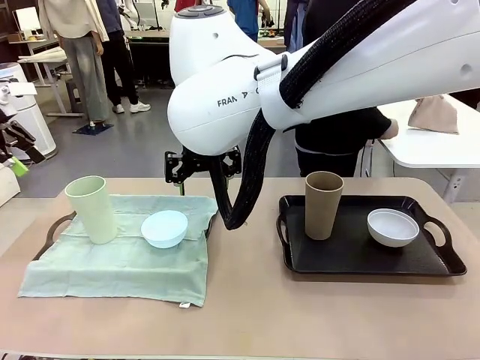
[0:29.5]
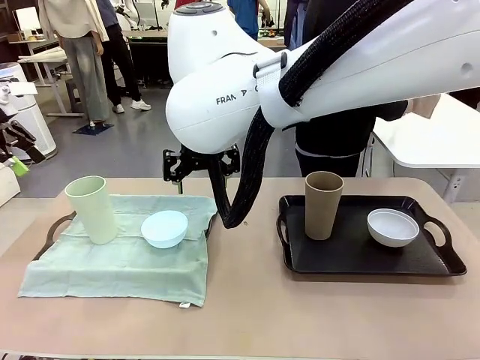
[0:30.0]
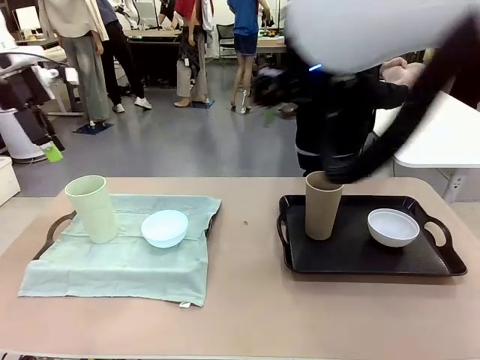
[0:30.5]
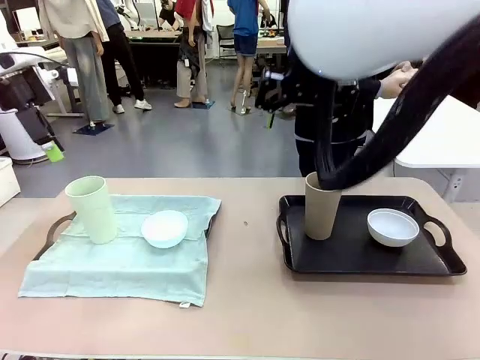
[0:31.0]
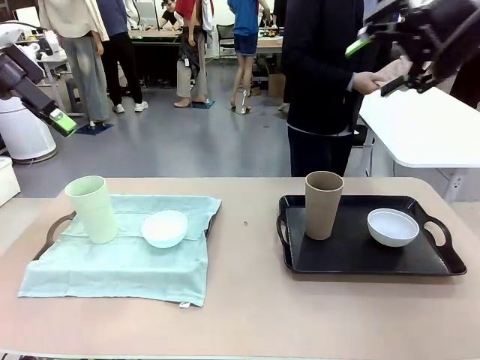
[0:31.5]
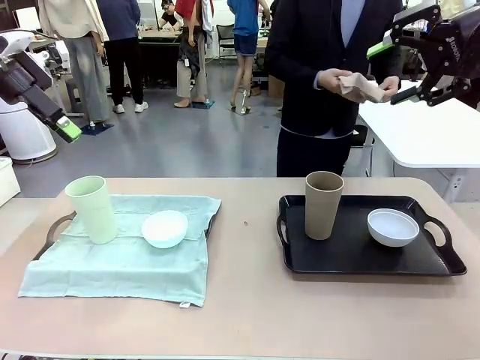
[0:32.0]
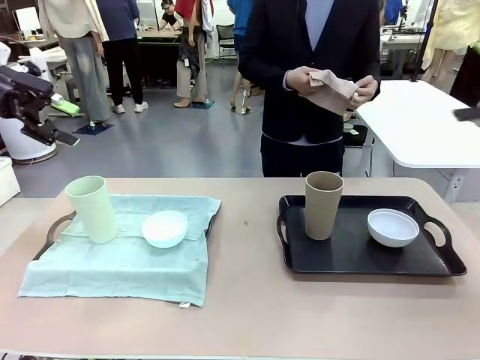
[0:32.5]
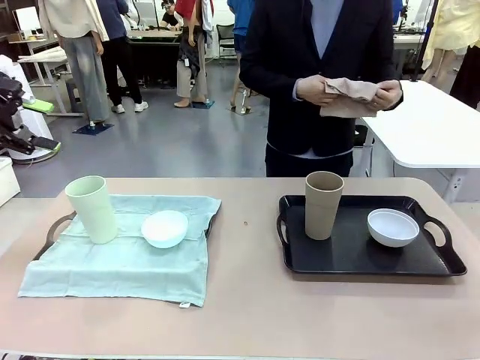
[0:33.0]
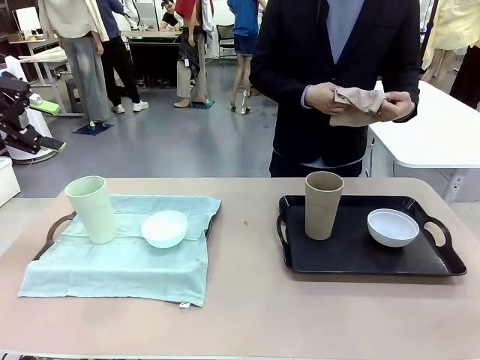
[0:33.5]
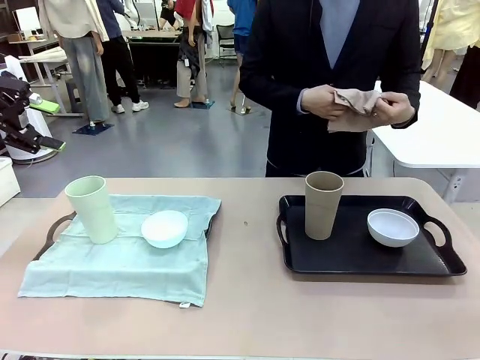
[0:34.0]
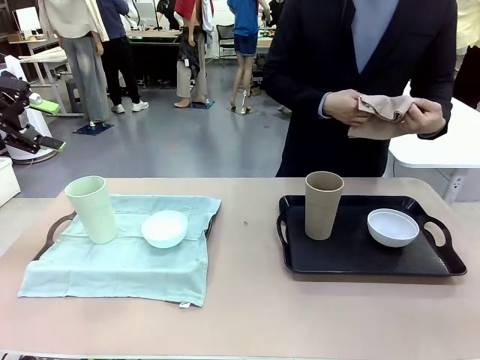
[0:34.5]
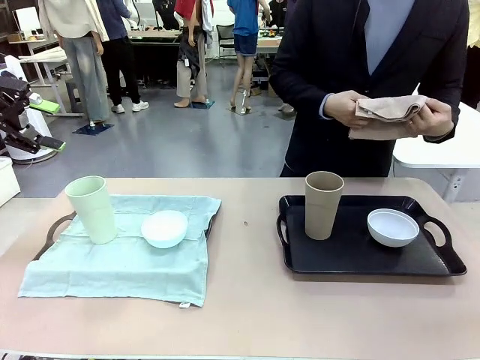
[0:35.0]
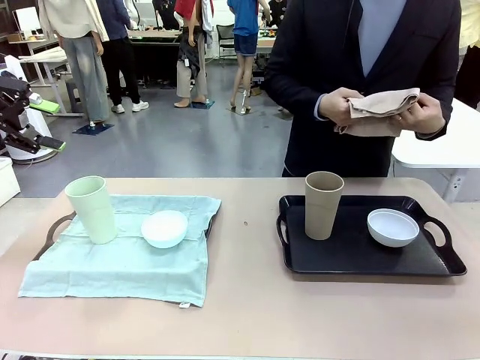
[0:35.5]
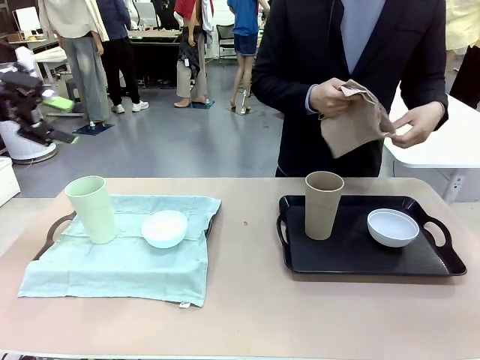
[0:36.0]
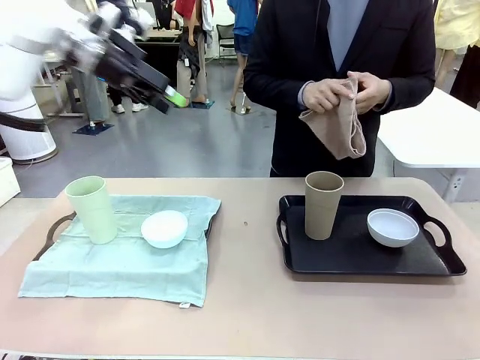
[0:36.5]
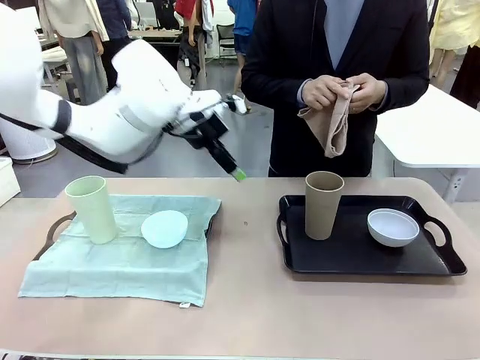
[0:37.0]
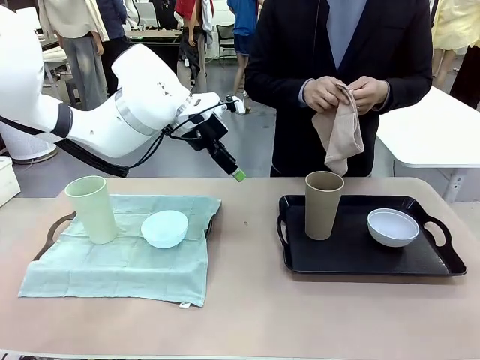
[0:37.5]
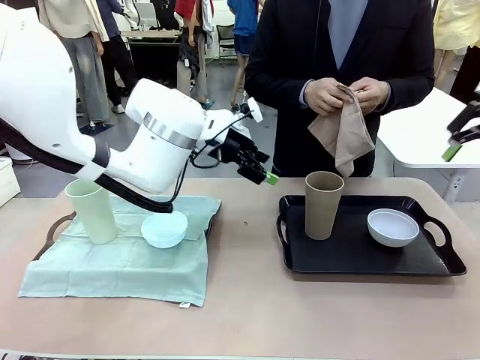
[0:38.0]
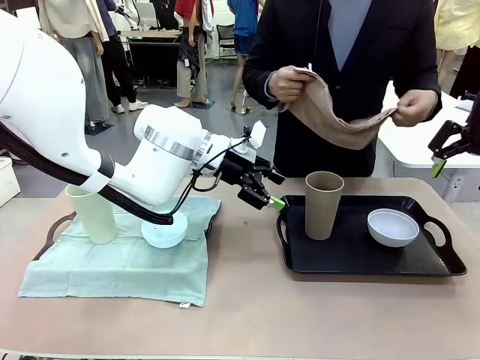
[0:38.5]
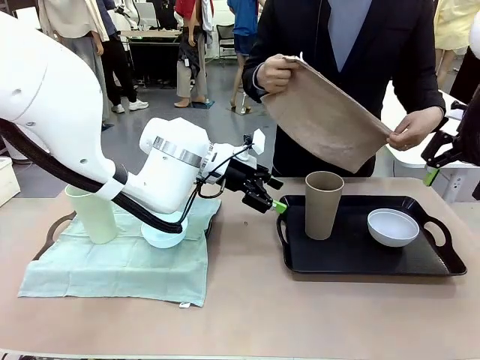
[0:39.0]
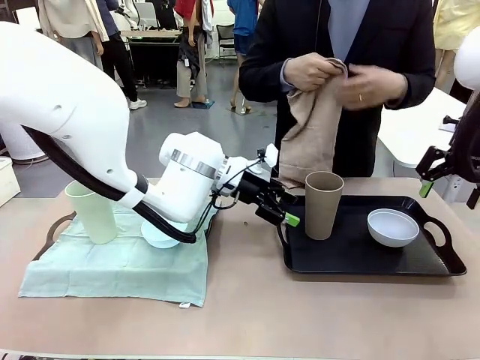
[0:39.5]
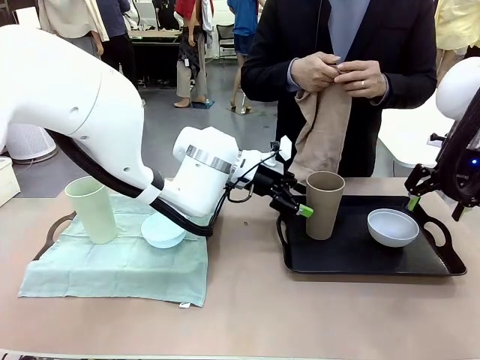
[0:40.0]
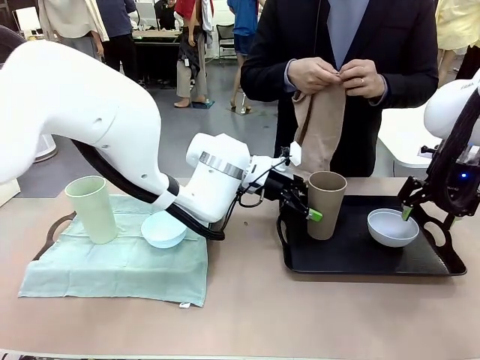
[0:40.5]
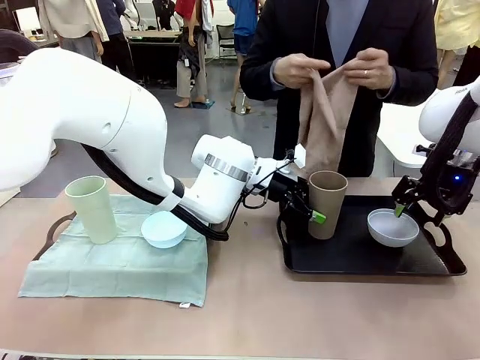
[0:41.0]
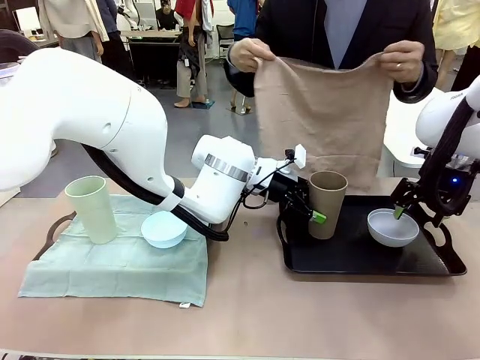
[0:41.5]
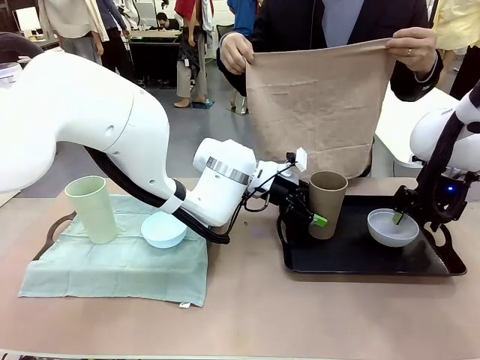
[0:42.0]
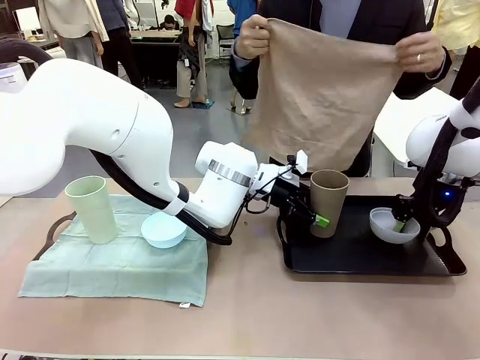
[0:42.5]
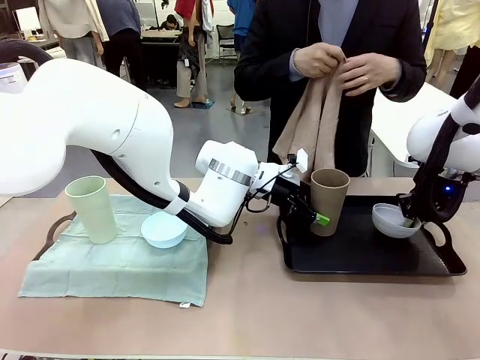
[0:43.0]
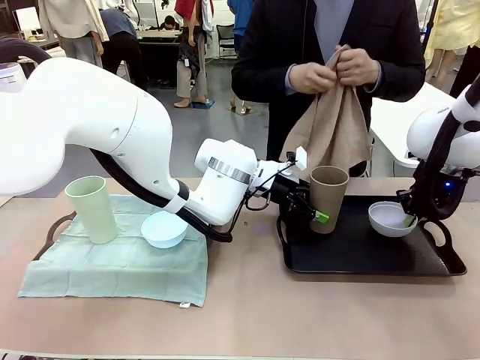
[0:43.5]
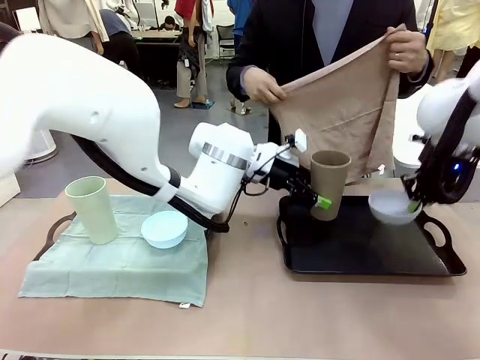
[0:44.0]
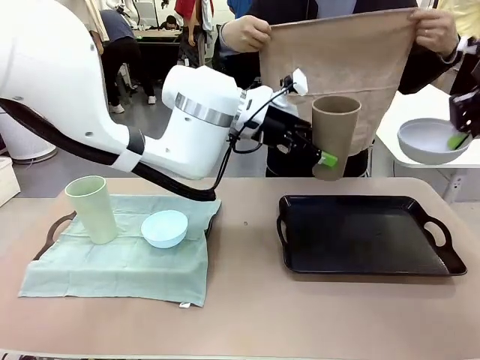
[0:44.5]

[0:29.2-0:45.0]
Robot: Pick up the Picnic Bowl and Reusable plastic cup from the Handle tray in front of the human's position and hold them in the air.
Person: When the robot lifts the bowl and the cup, the human unfolds the napkin and lays the napkin flat on the tray.

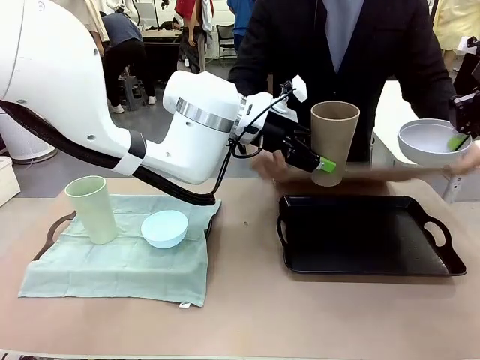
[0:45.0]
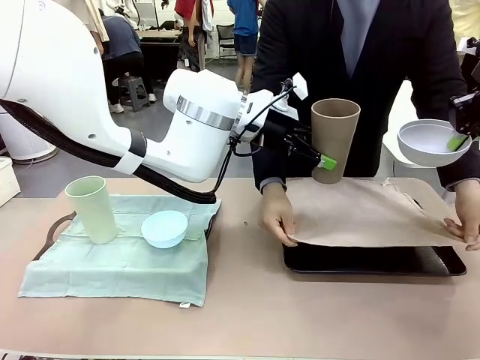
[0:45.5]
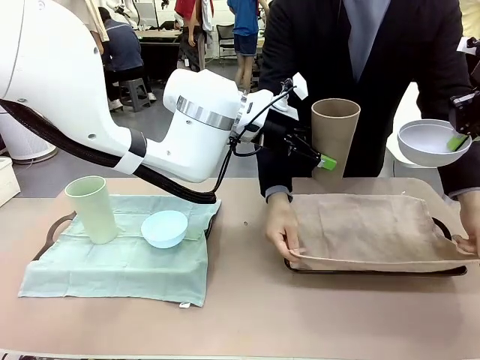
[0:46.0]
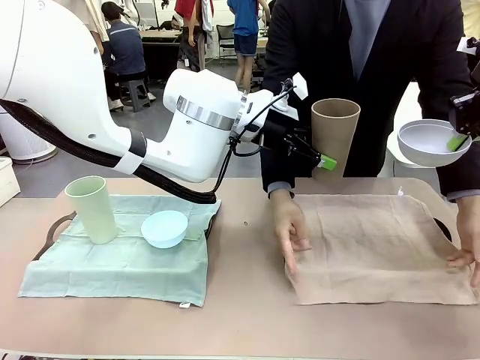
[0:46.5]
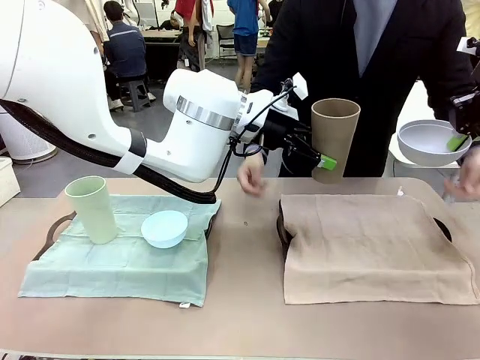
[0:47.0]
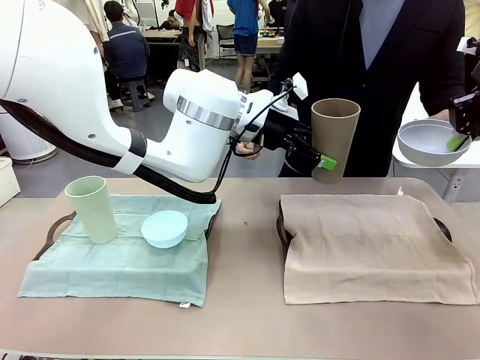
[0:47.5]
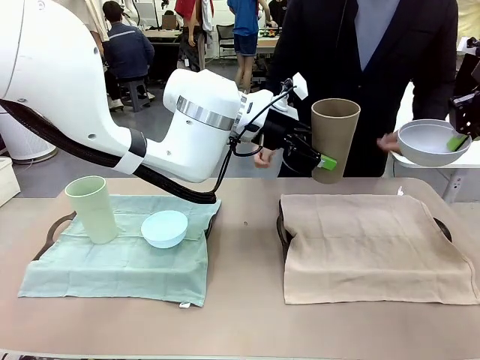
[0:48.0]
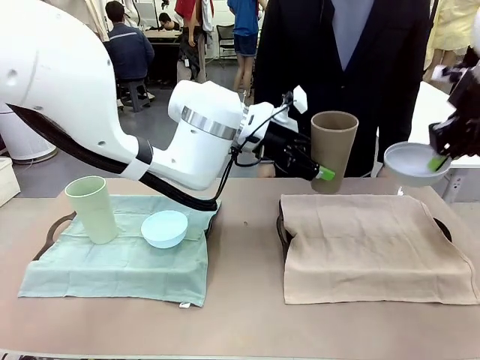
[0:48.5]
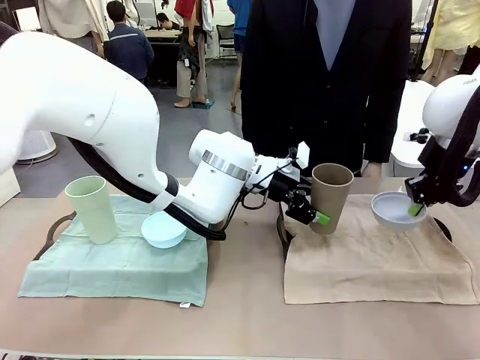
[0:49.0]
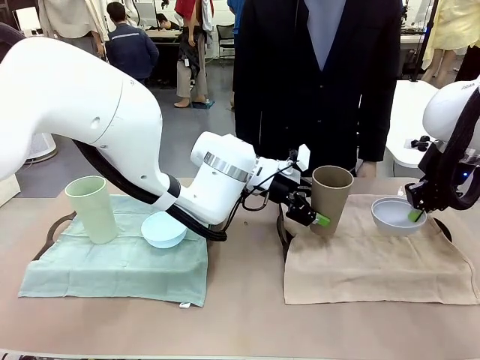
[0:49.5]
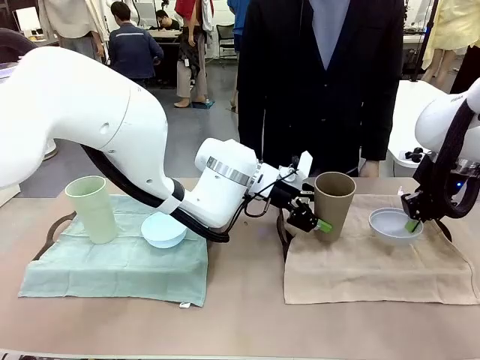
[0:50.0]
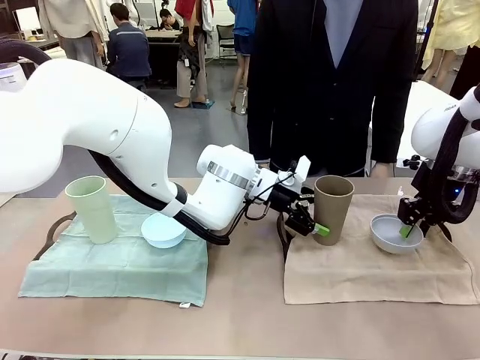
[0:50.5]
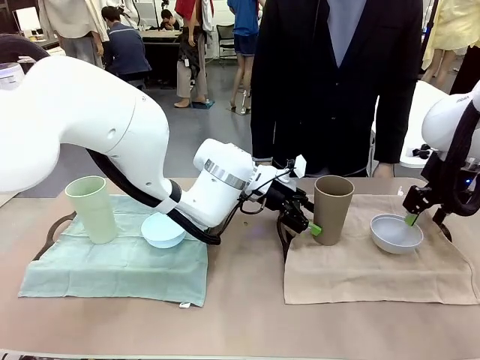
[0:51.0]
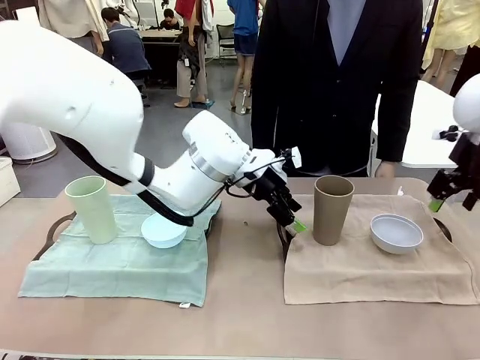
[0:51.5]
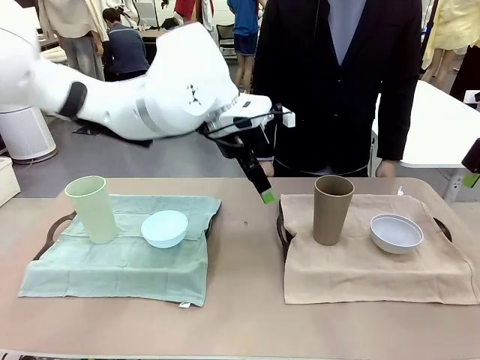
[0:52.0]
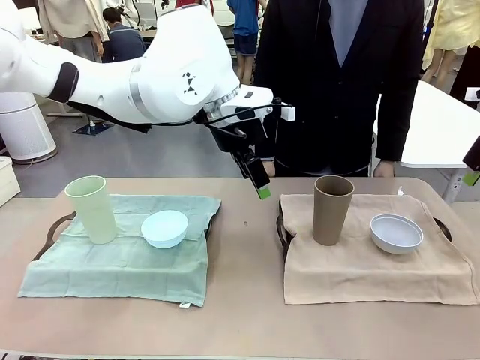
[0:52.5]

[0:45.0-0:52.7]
Robot: Place the Picnic Bowl and Reusable plastic cup back onto the Handle tray in front of the human's position.
